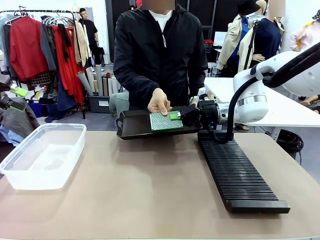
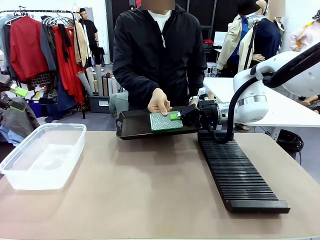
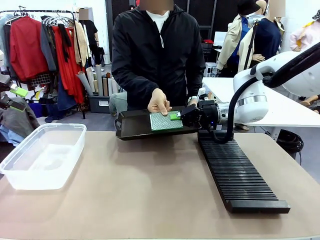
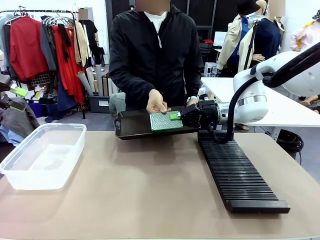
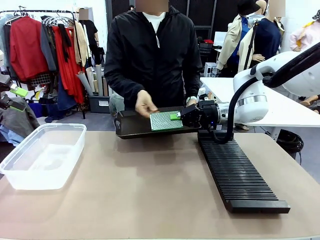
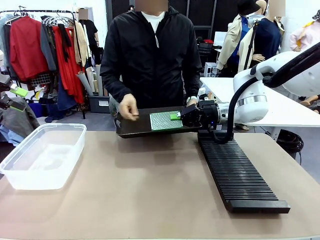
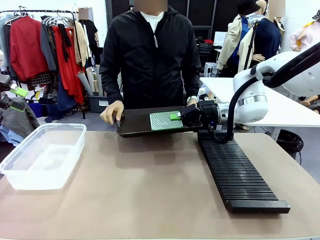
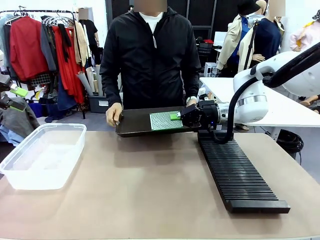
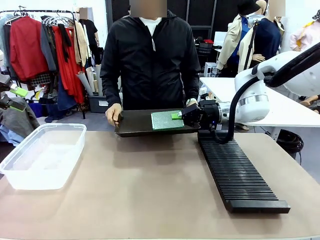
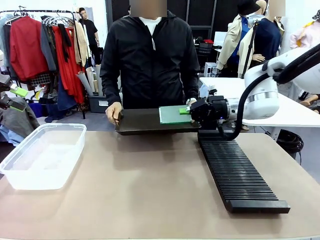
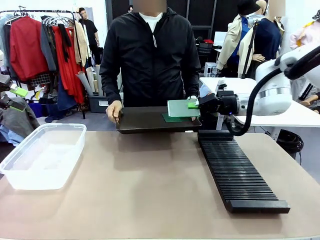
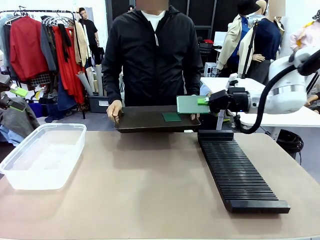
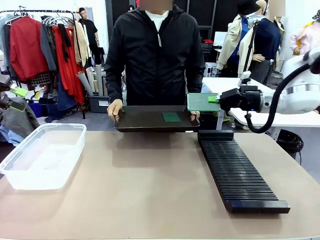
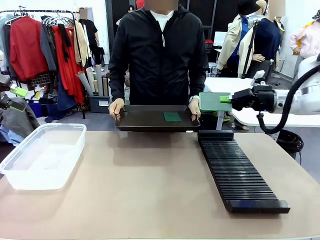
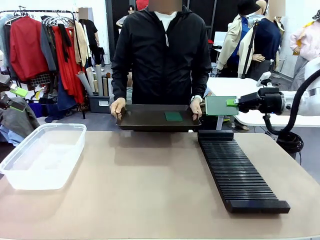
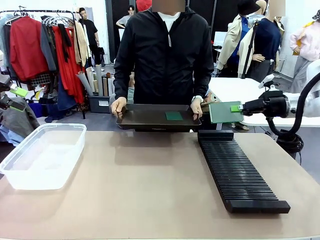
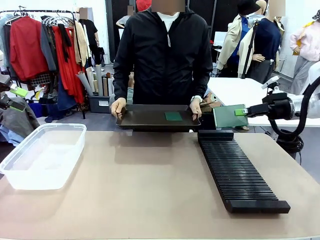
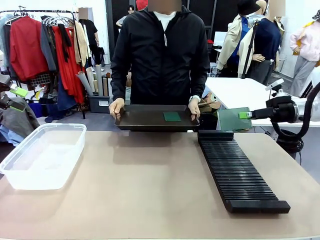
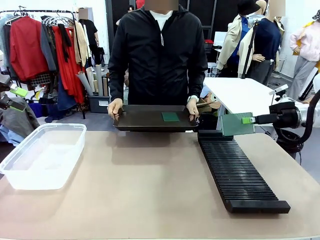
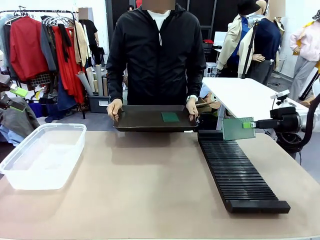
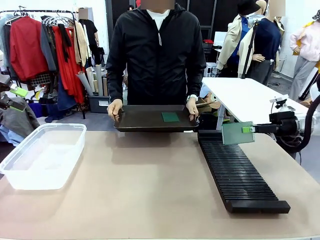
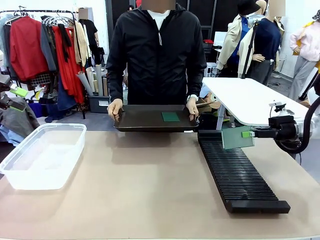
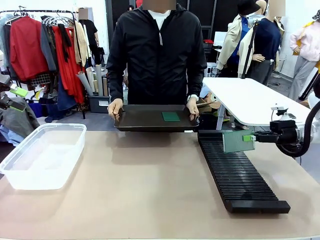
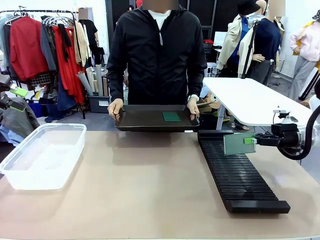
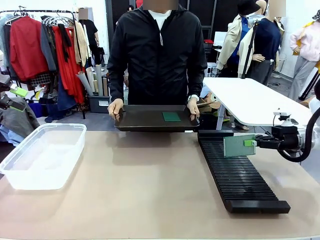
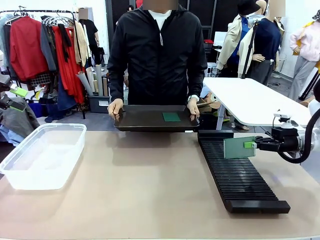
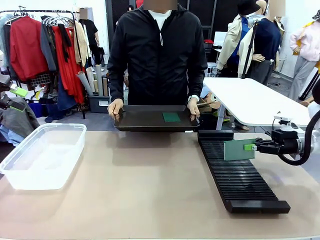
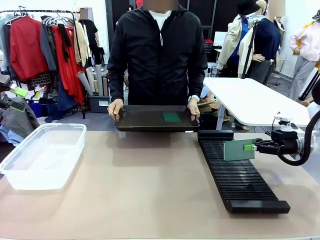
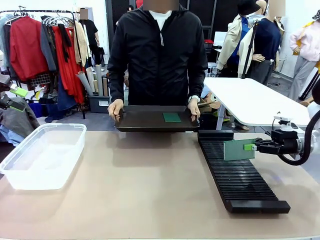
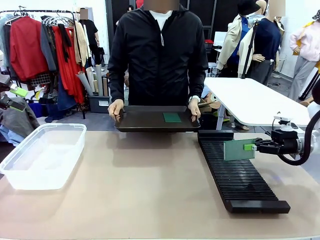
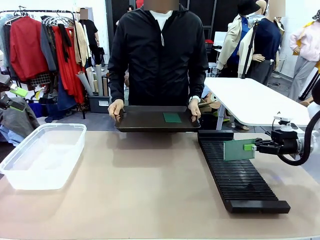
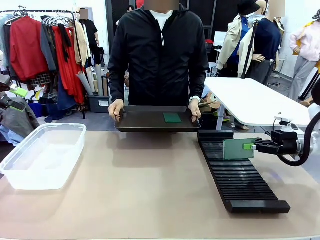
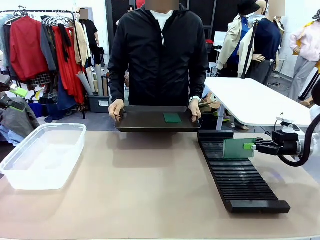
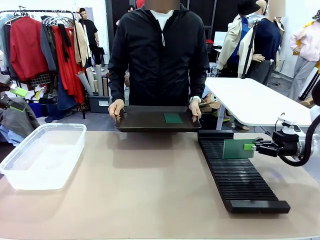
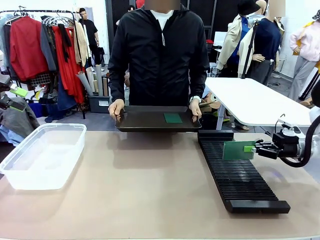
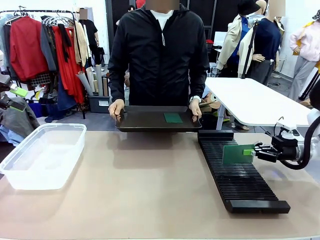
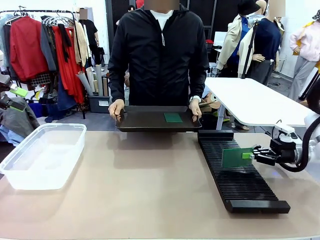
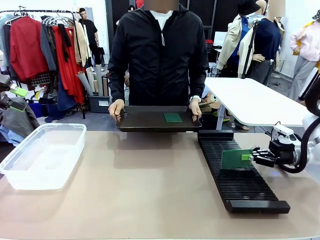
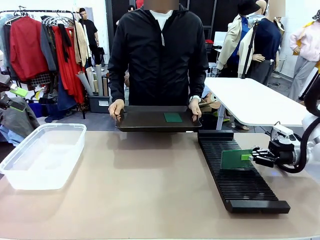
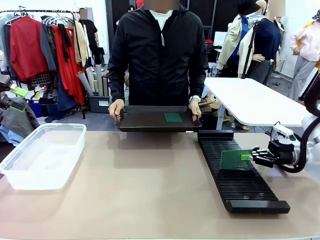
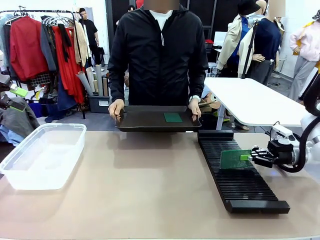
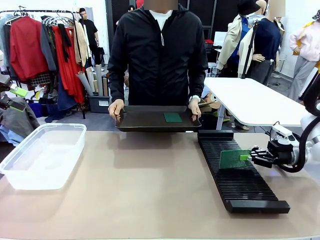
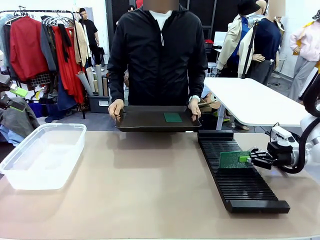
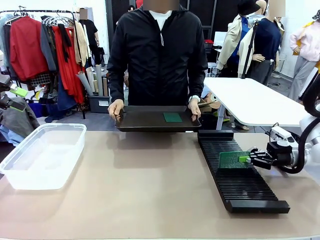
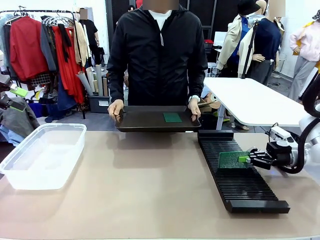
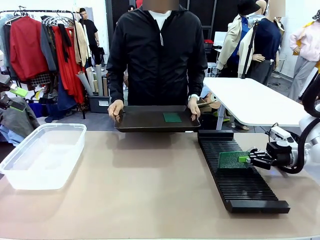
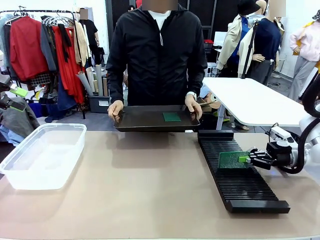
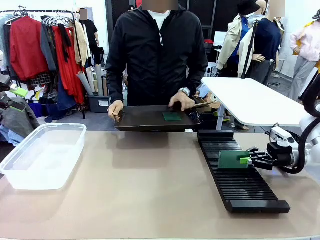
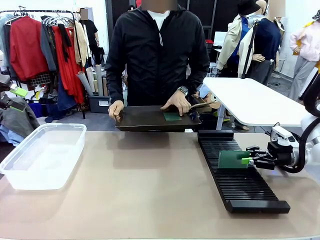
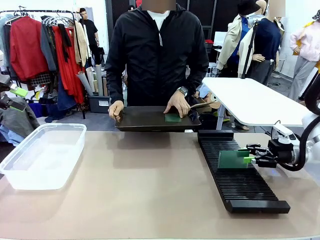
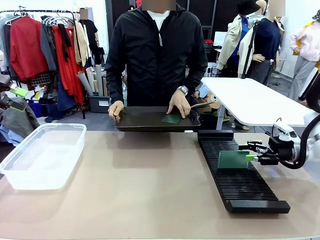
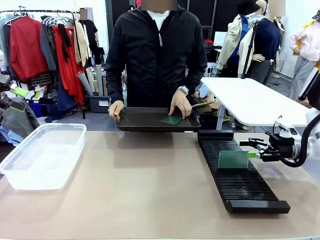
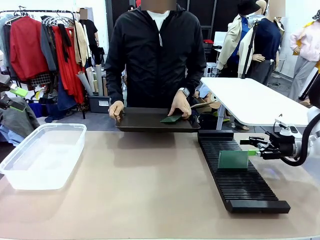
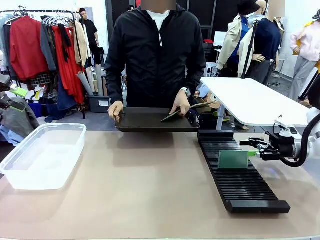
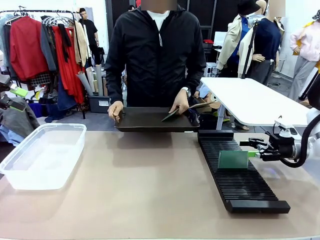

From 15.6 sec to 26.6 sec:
Task: Sort PCBs into racks and boxes based on the side picked up.
Robot: If the short side of the Blank PCB is picked up, insert it into the PCB Rack ; if the long side is picked up, place it in the Organizing box.
Person: Pick one PCB from the tray and present it to the robot.

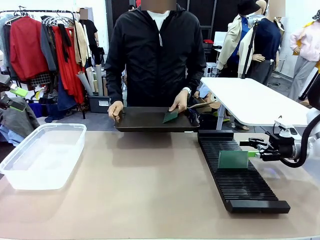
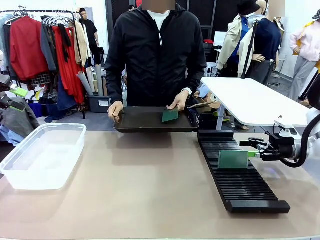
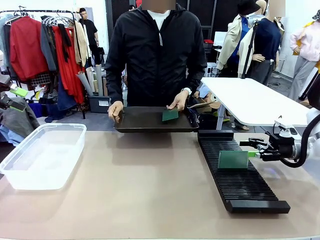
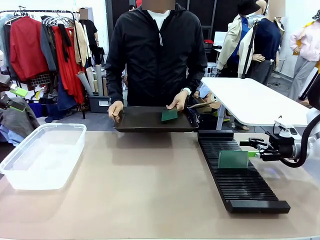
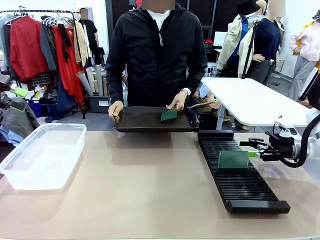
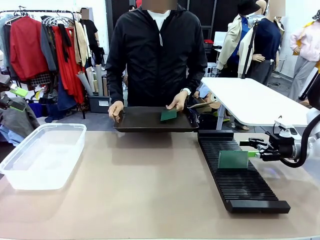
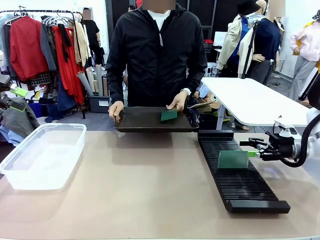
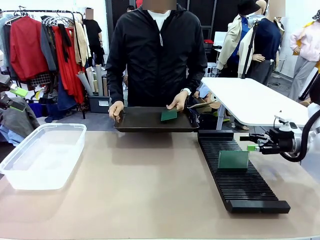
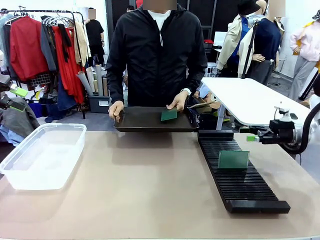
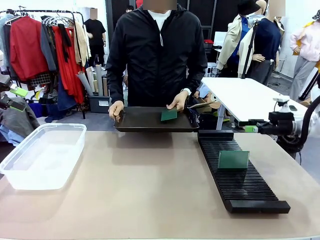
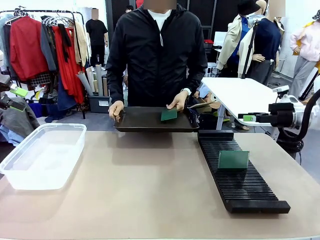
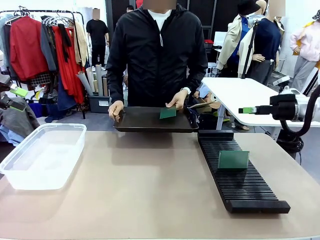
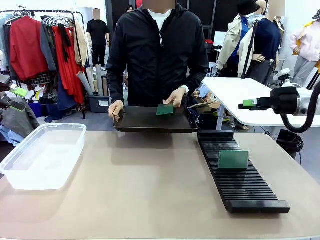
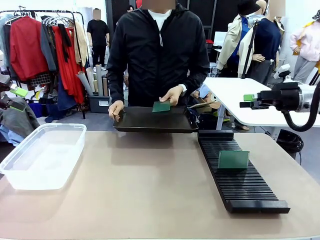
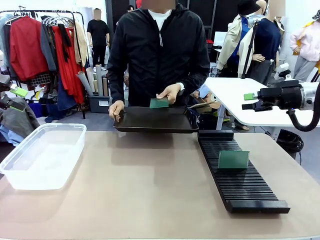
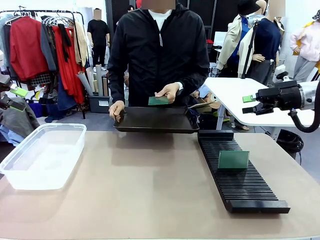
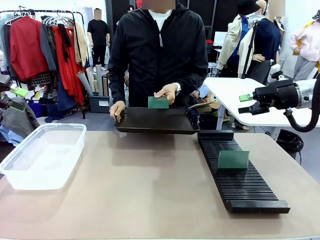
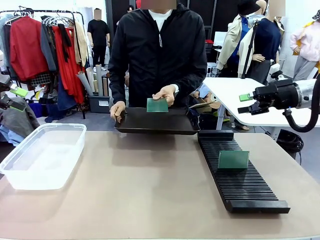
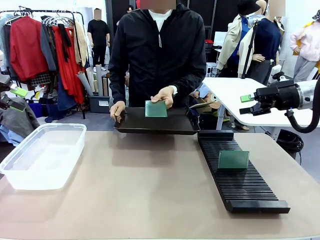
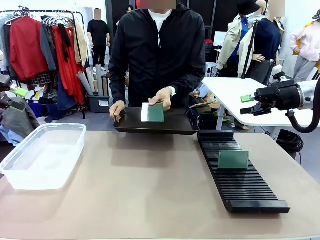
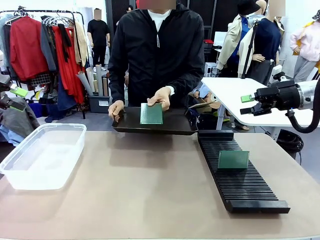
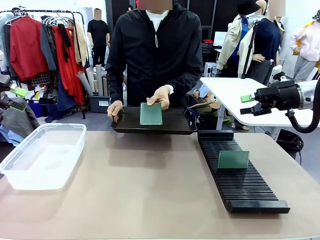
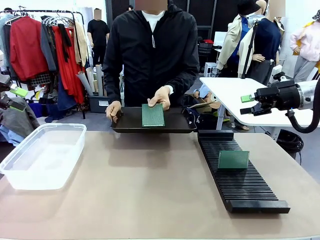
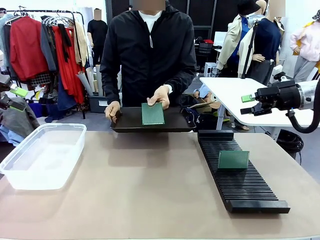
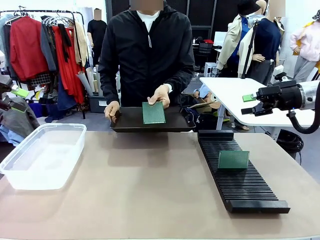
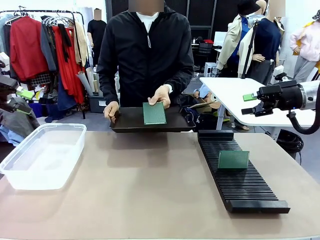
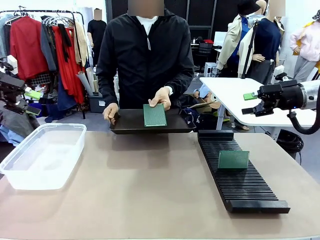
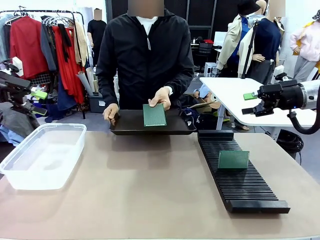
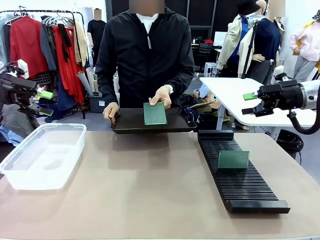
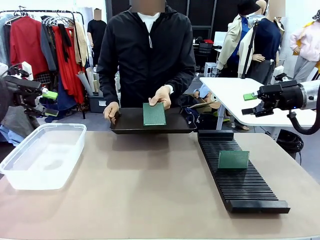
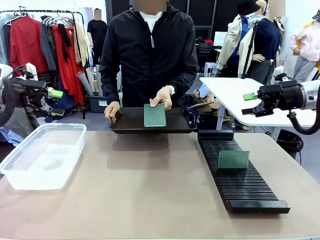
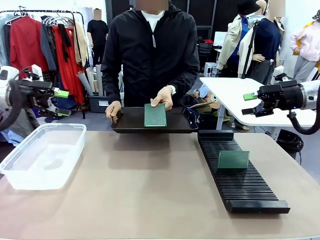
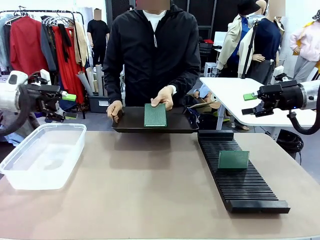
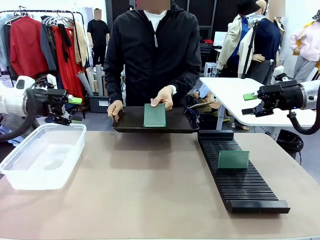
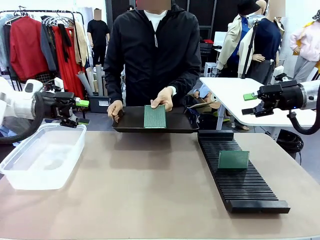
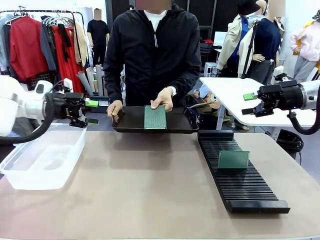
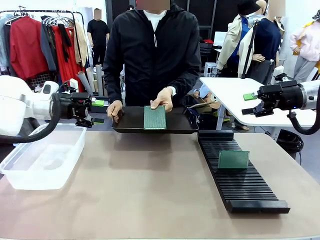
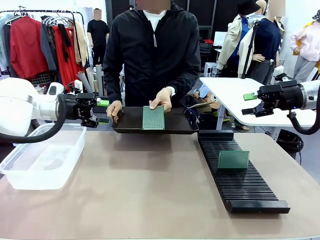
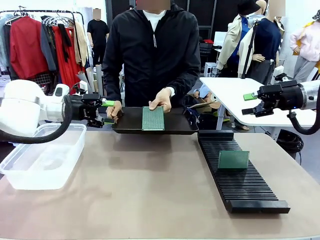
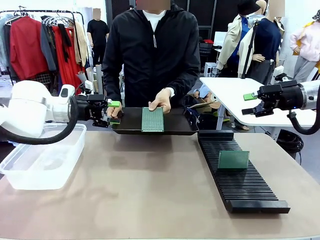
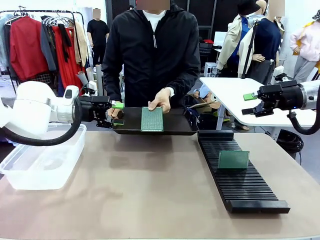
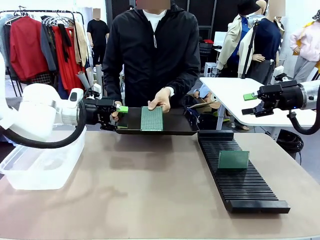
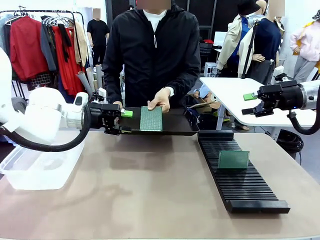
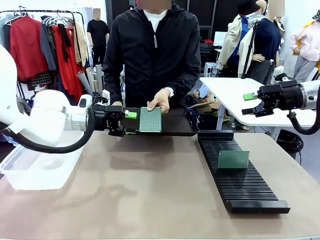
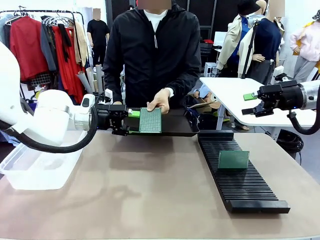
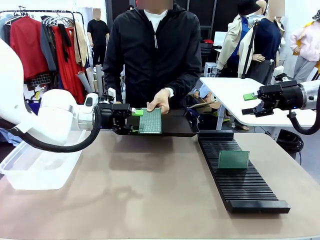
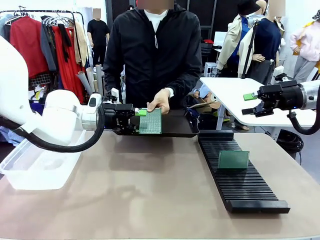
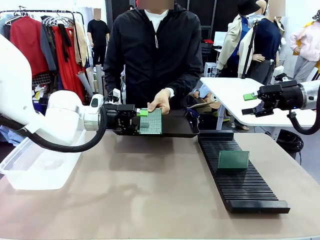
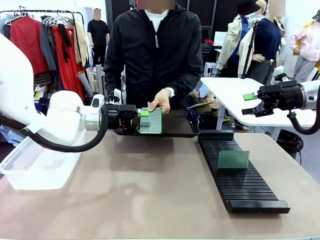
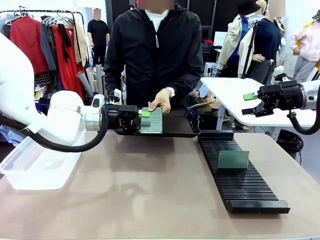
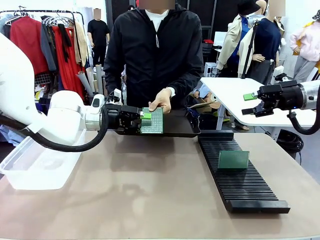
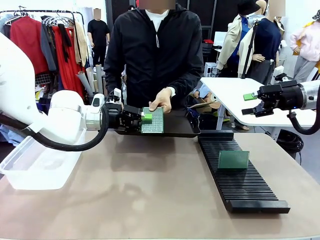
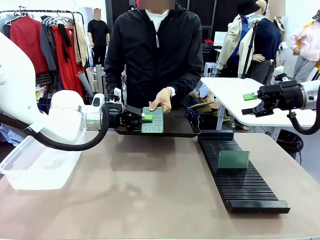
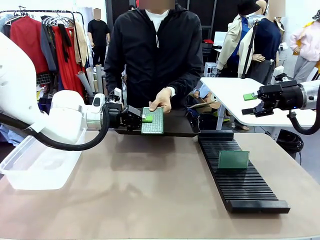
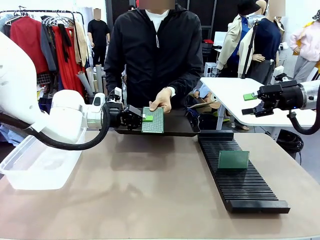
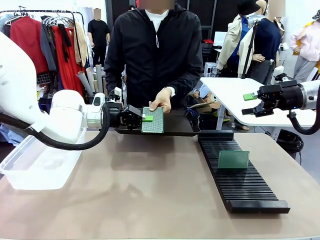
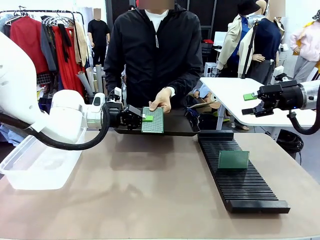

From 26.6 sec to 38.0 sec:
Robot: Pick up the Blank PCB handed by the Human.
